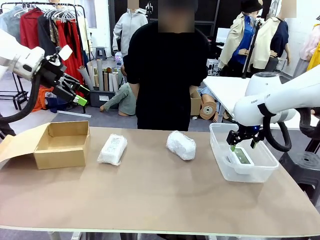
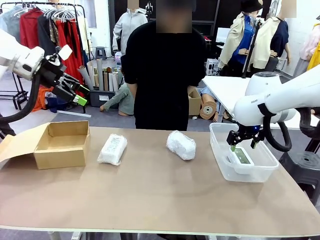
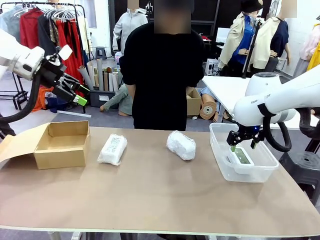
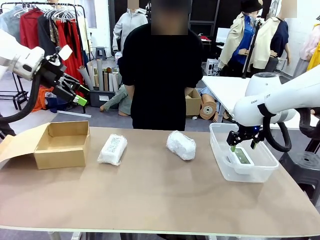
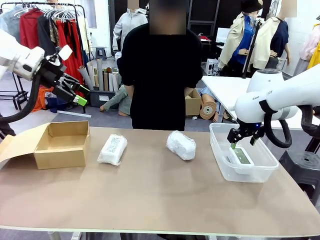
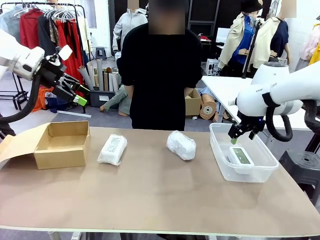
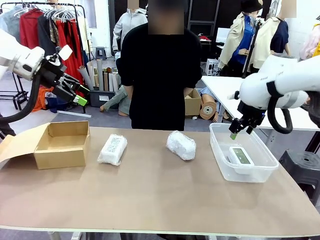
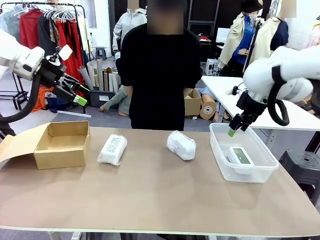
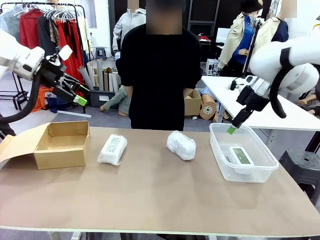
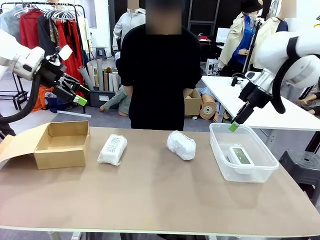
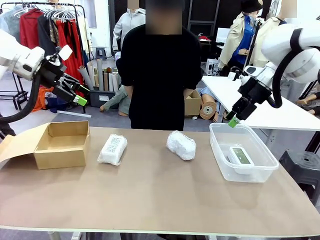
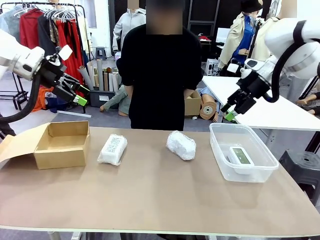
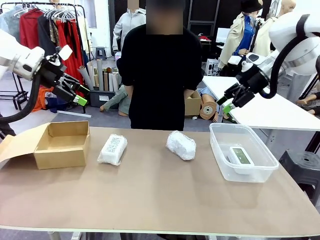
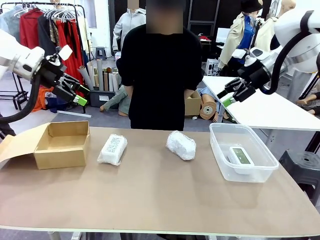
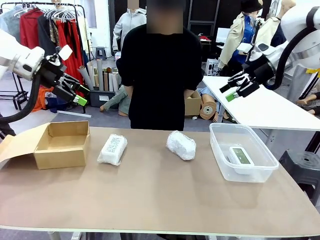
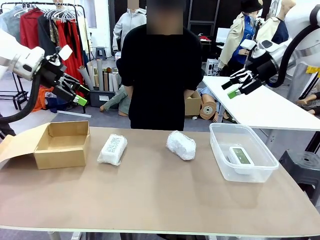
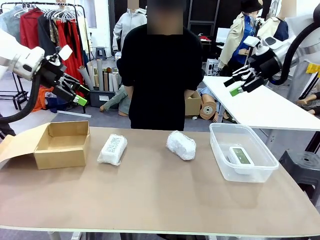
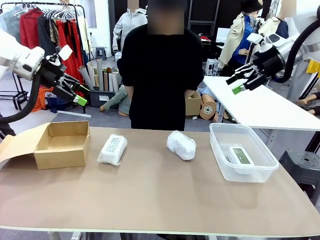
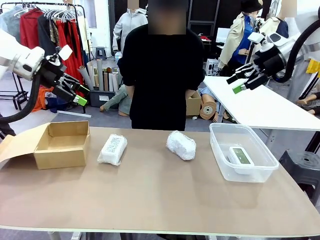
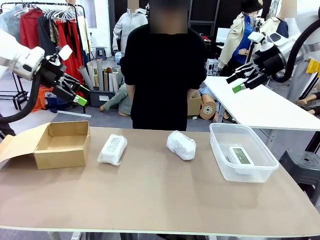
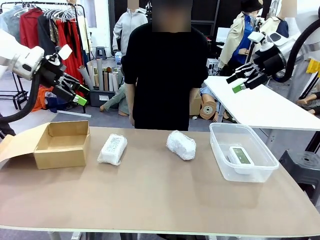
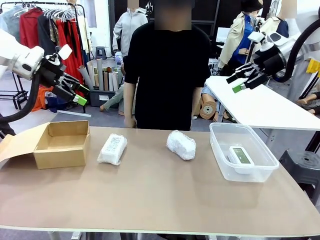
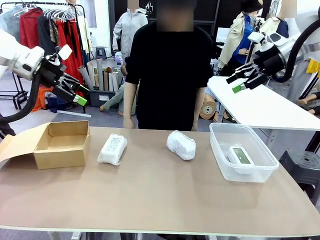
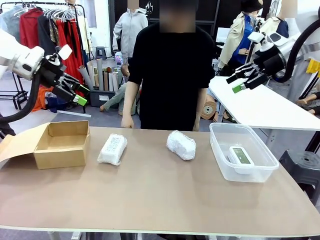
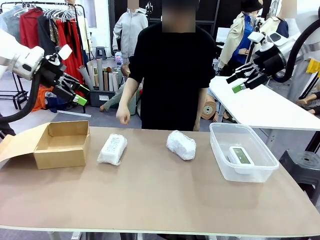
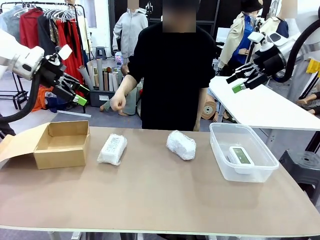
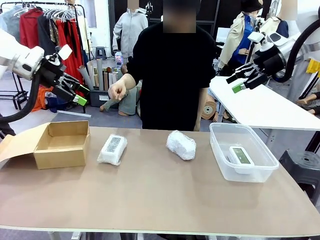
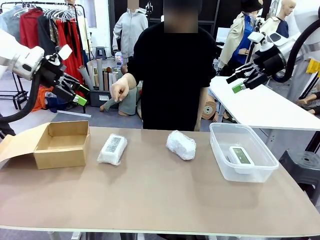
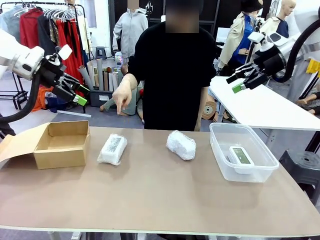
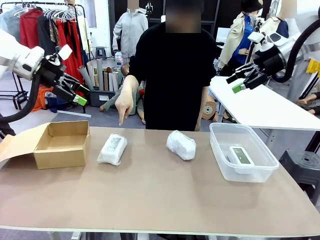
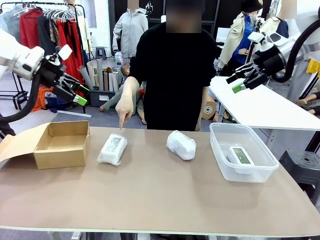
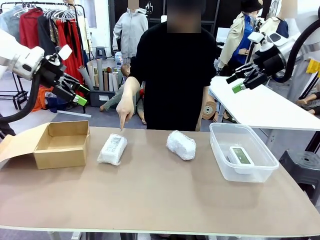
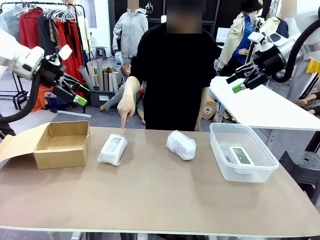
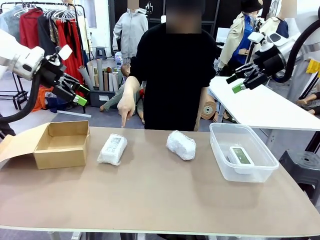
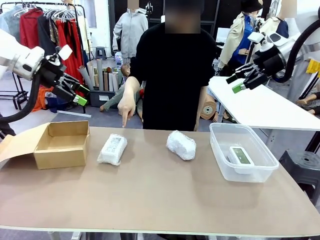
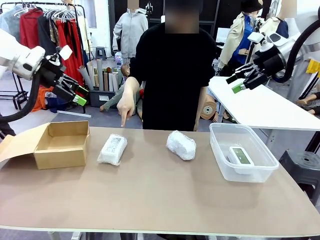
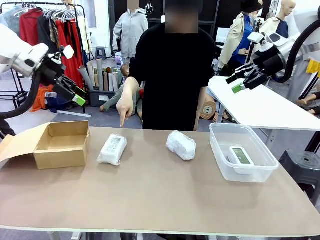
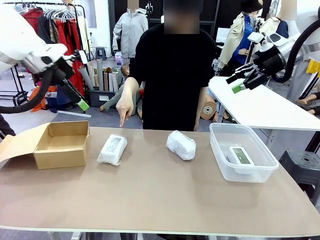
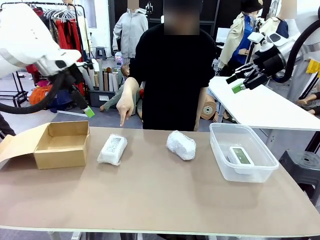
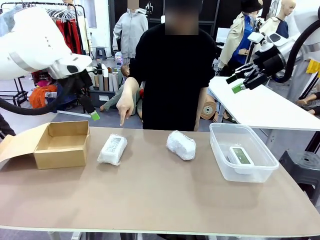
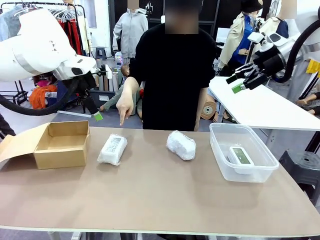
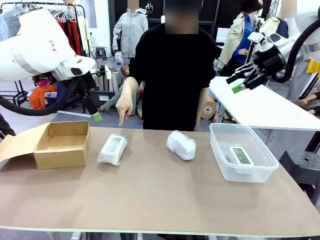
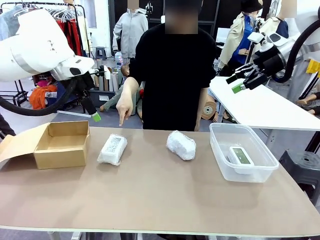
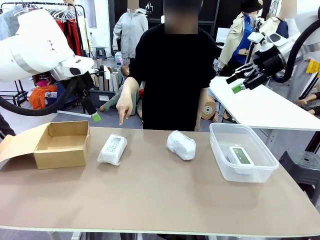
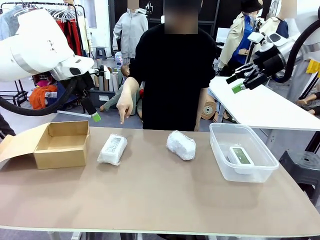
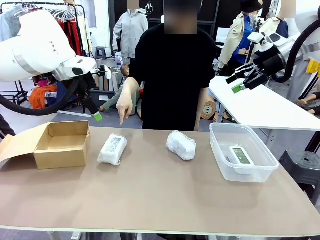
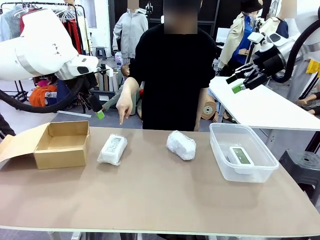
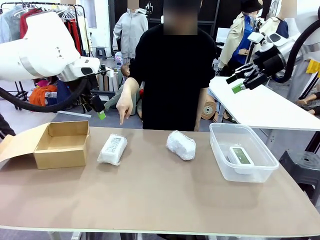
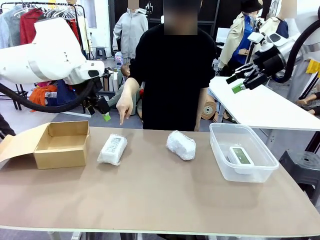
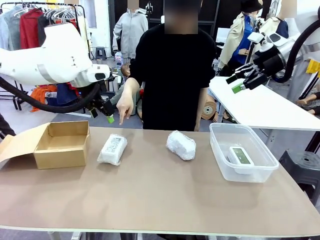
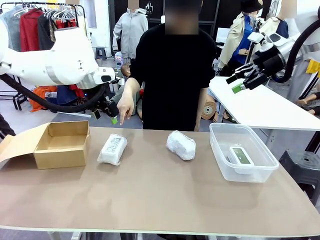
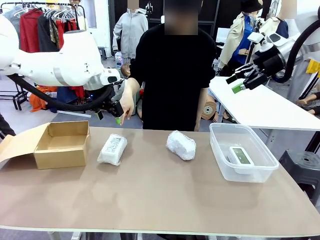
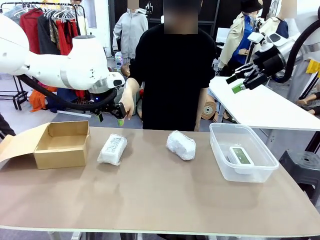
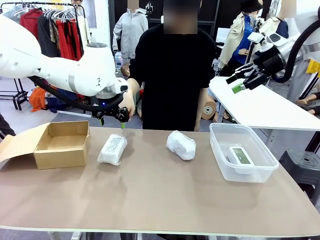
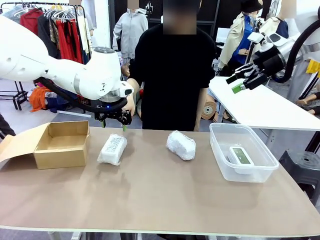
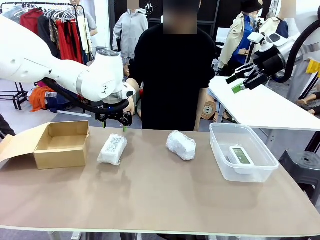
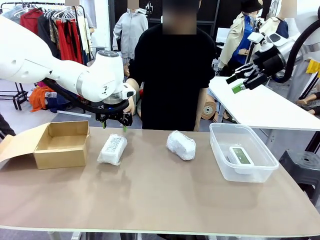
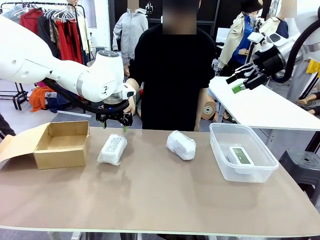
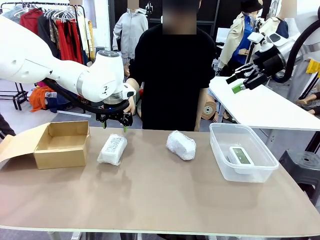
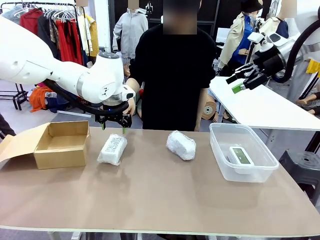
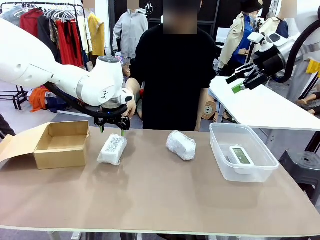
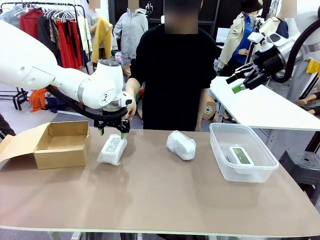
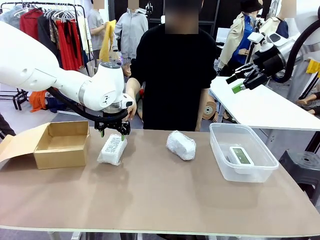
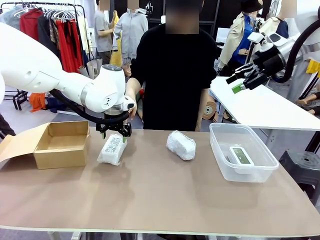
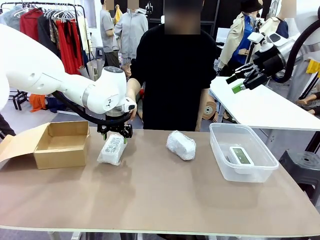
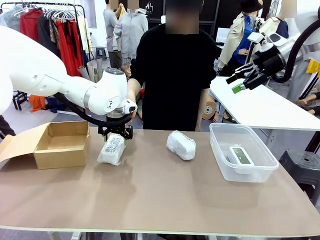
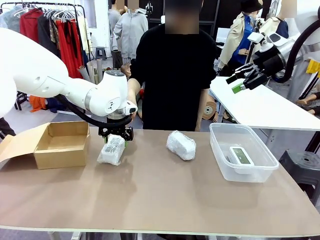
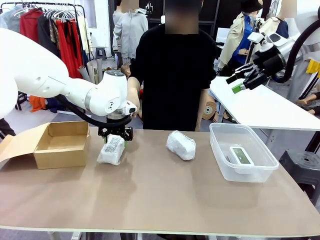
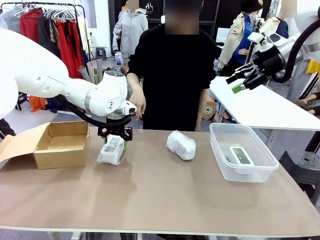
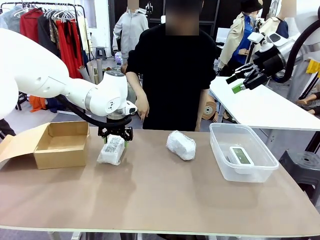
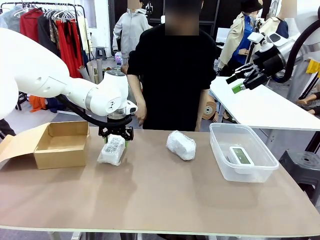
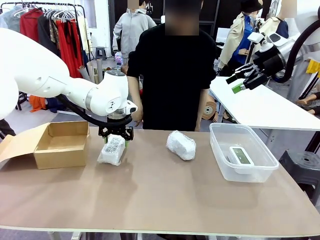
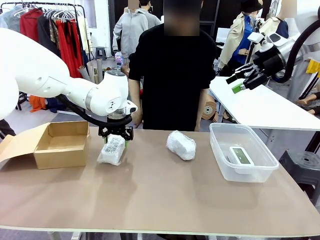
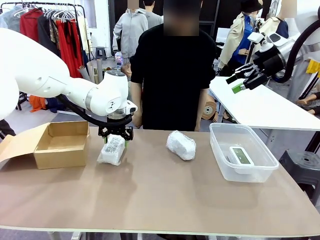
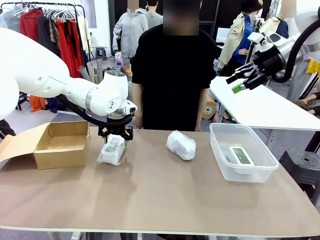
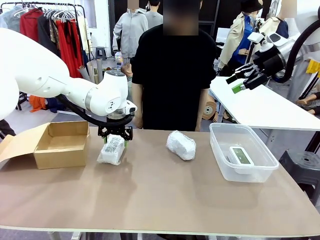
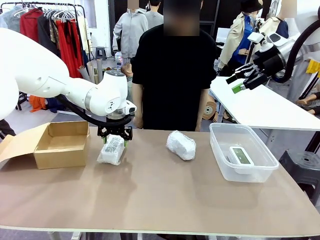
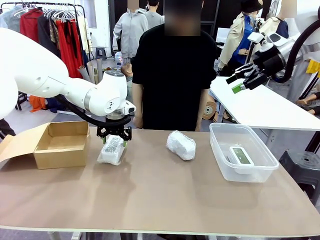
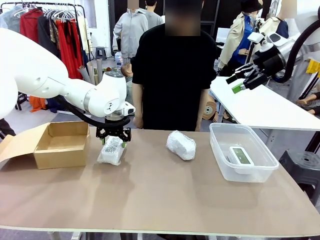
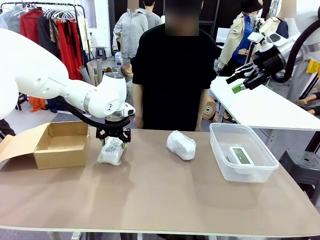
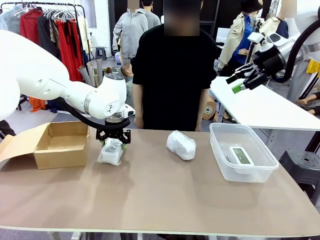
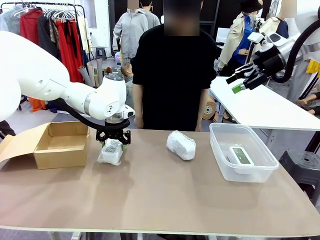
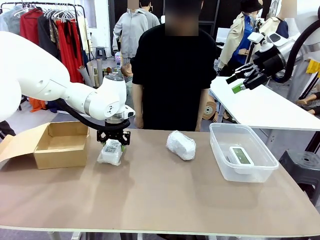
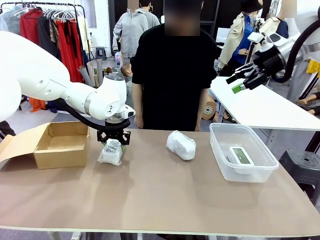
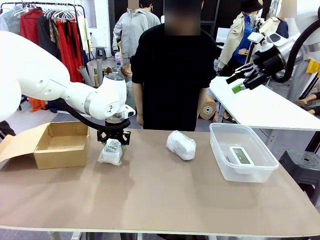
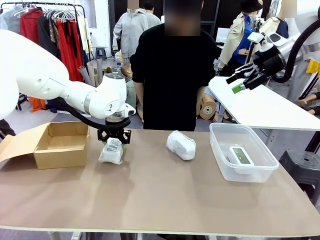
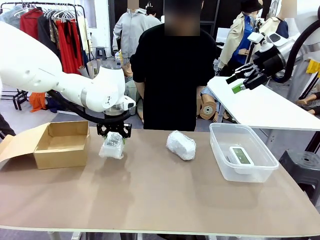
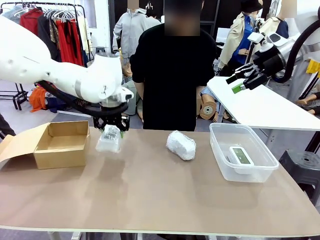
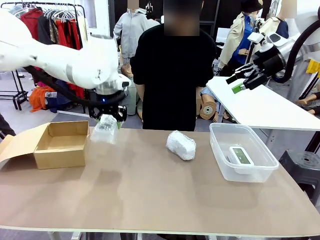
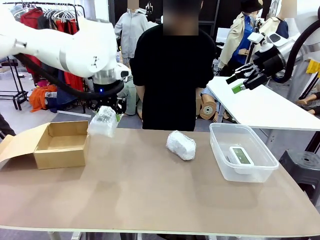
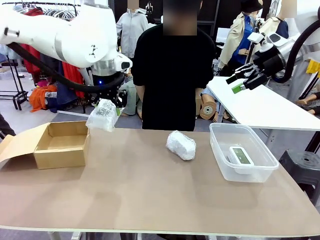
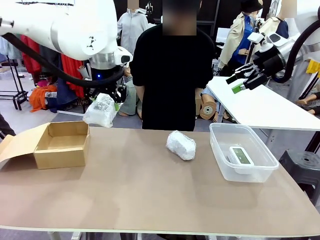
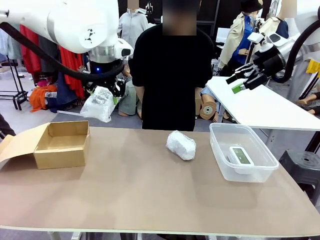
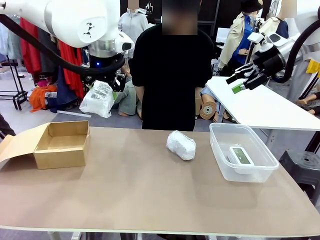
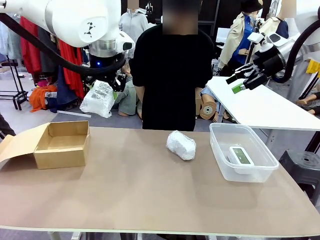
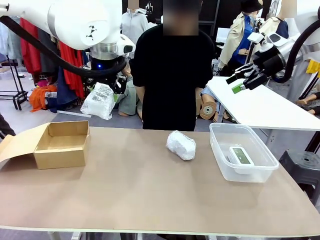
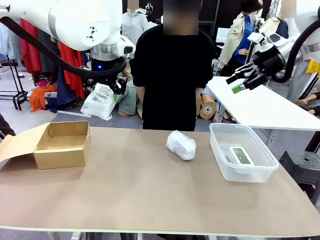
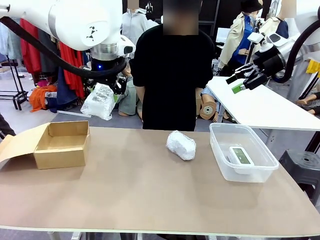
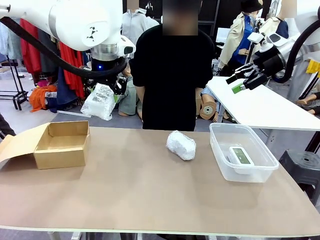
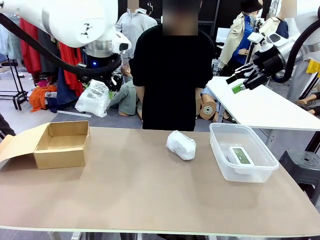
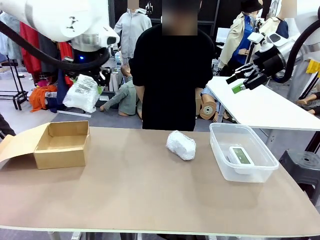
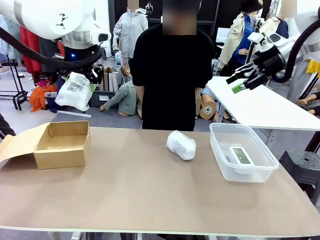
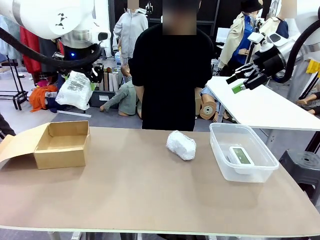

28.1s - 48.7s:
Task: Separate and place wrapped and unwrapped clocks.
Robot: Pick up the Digital clock indicated by the person.
